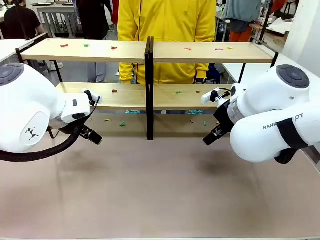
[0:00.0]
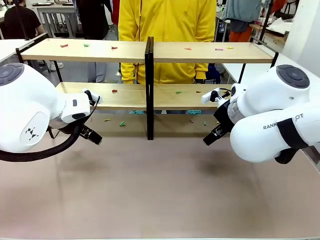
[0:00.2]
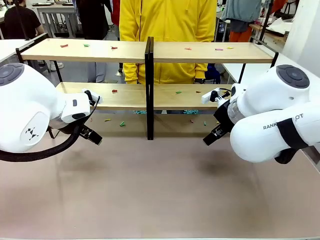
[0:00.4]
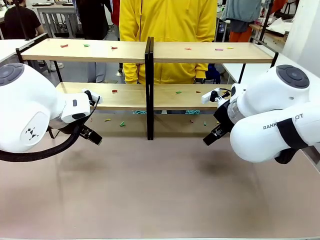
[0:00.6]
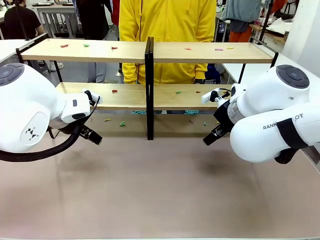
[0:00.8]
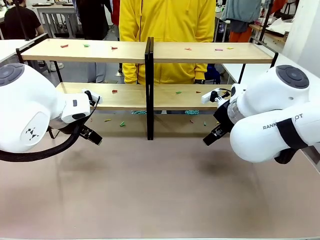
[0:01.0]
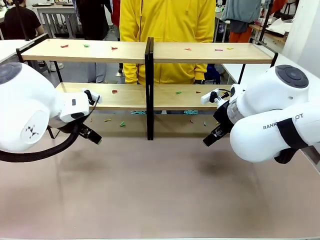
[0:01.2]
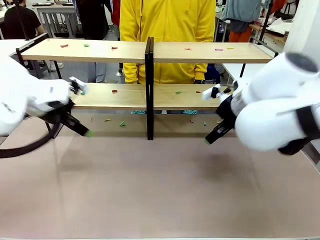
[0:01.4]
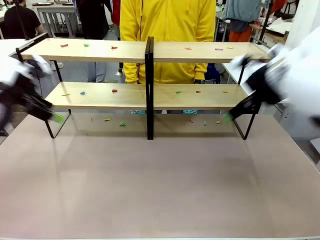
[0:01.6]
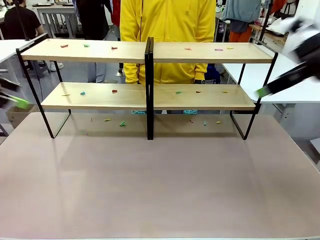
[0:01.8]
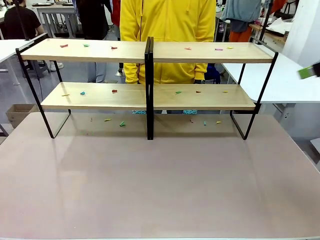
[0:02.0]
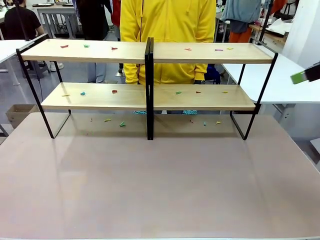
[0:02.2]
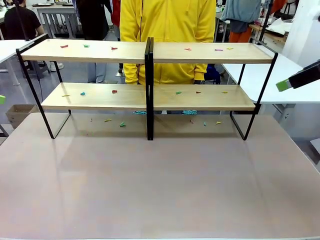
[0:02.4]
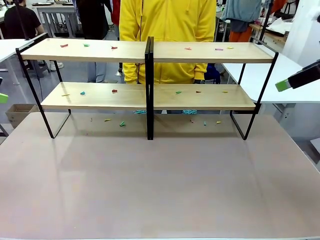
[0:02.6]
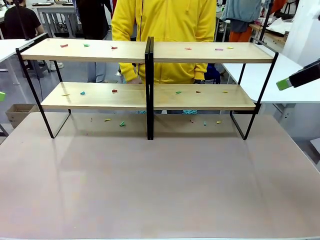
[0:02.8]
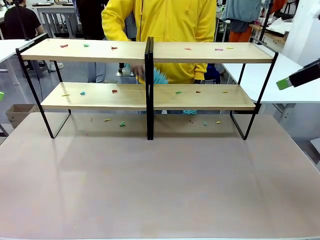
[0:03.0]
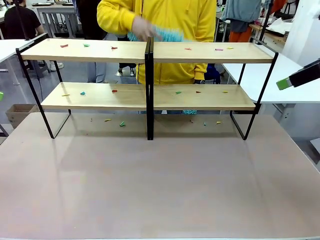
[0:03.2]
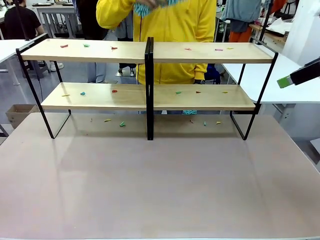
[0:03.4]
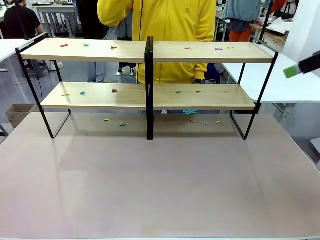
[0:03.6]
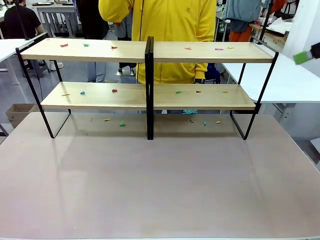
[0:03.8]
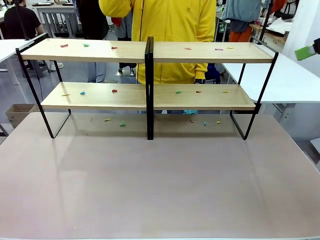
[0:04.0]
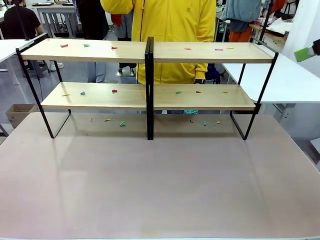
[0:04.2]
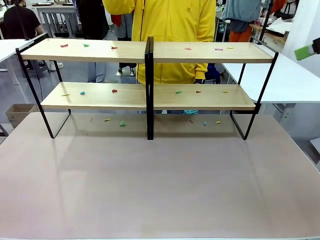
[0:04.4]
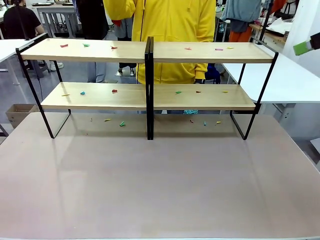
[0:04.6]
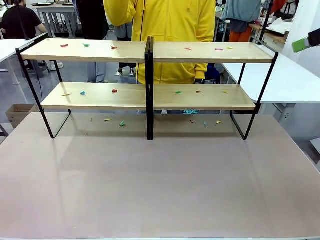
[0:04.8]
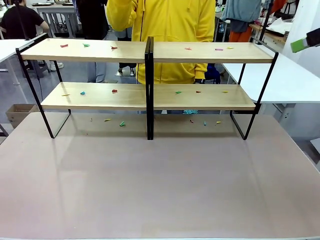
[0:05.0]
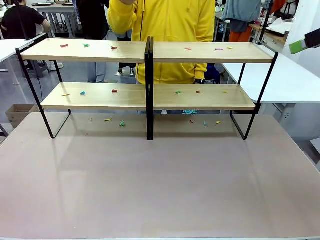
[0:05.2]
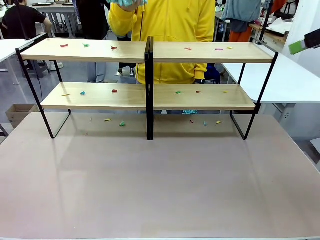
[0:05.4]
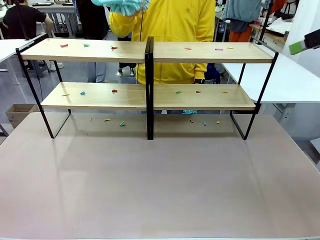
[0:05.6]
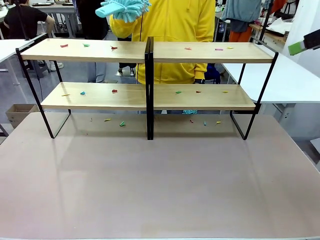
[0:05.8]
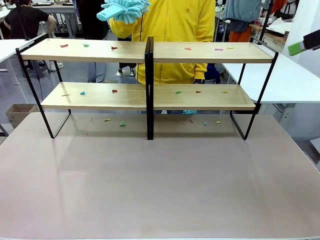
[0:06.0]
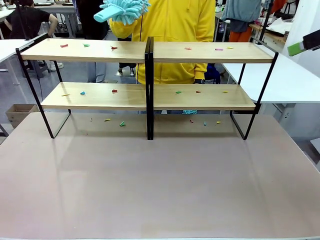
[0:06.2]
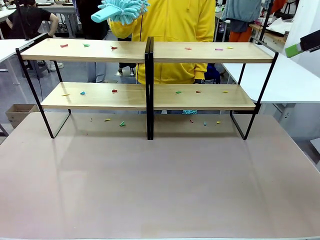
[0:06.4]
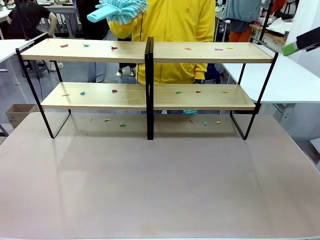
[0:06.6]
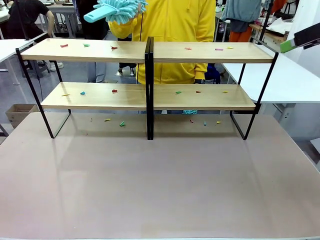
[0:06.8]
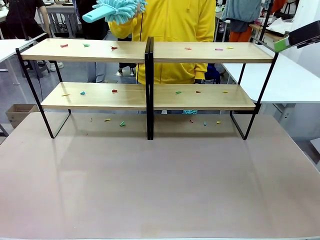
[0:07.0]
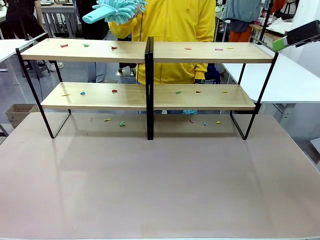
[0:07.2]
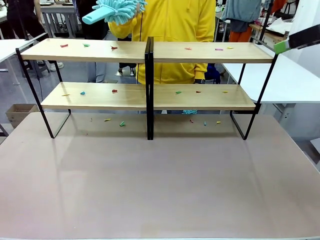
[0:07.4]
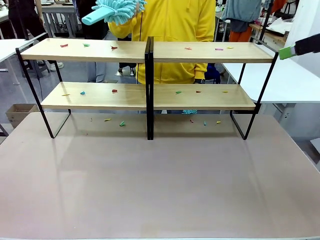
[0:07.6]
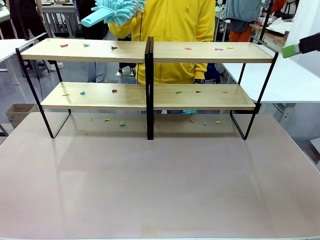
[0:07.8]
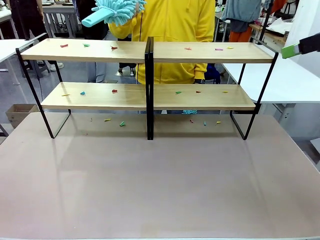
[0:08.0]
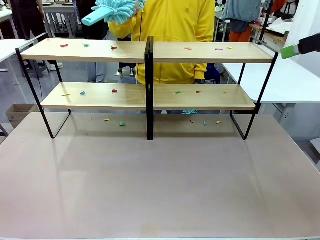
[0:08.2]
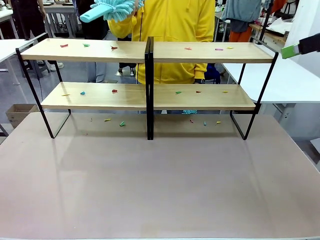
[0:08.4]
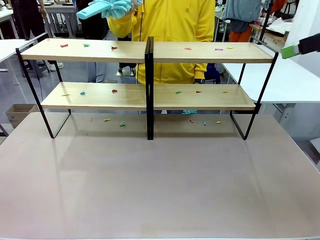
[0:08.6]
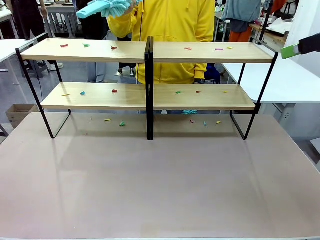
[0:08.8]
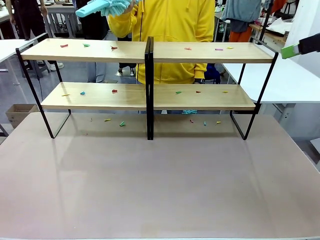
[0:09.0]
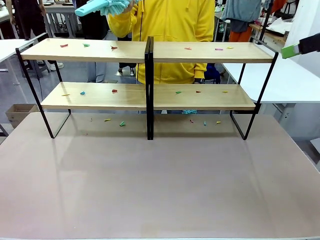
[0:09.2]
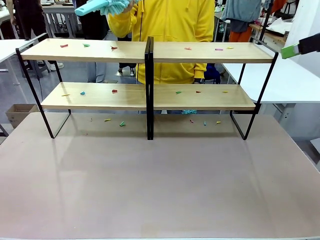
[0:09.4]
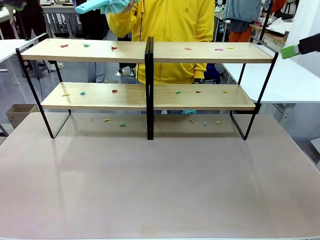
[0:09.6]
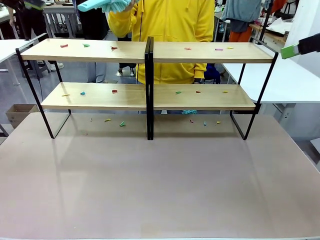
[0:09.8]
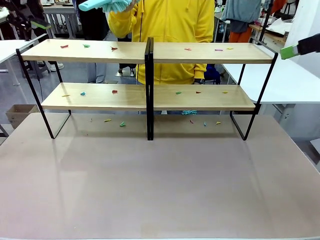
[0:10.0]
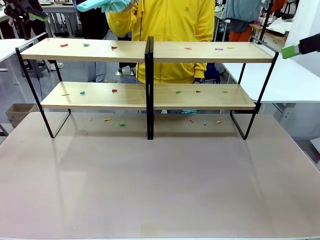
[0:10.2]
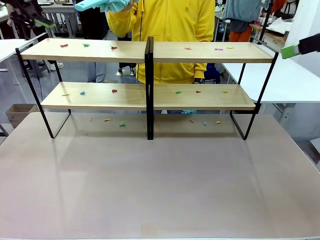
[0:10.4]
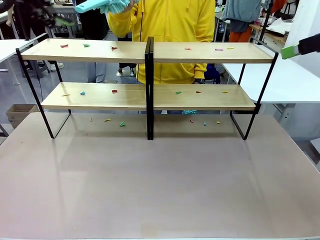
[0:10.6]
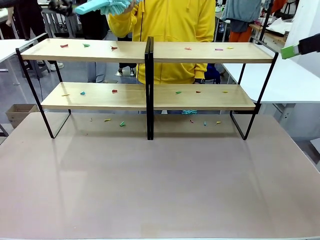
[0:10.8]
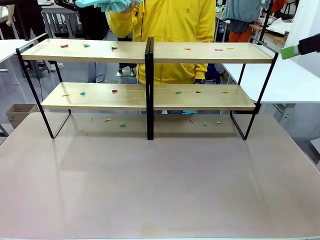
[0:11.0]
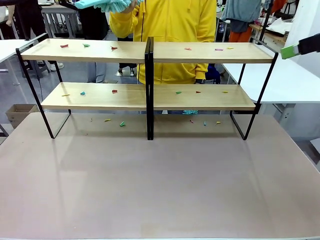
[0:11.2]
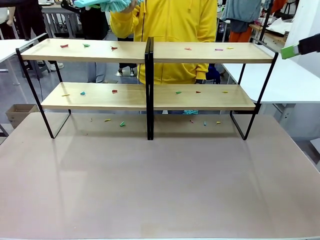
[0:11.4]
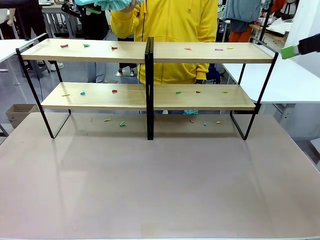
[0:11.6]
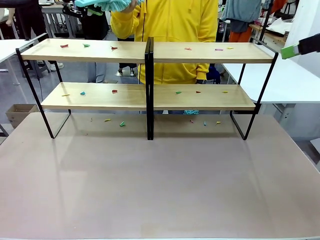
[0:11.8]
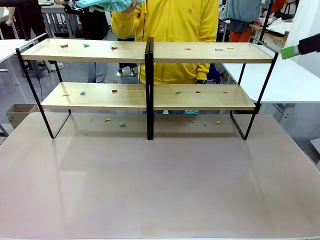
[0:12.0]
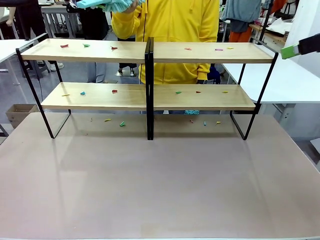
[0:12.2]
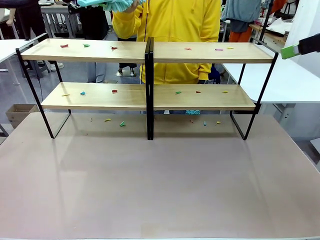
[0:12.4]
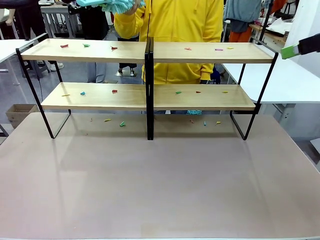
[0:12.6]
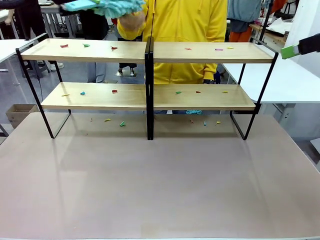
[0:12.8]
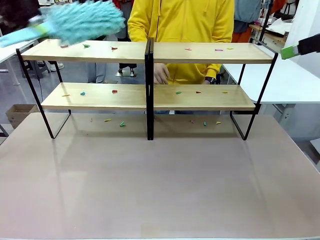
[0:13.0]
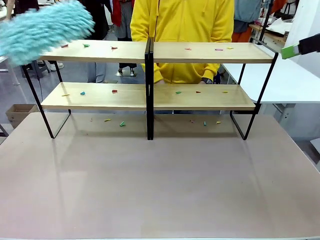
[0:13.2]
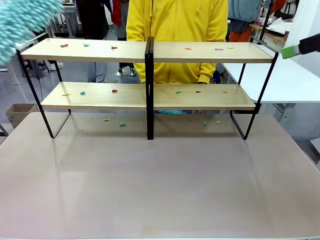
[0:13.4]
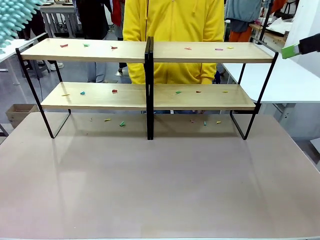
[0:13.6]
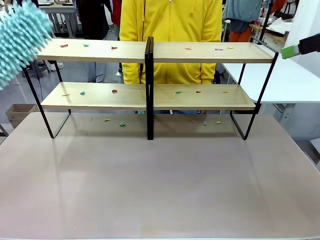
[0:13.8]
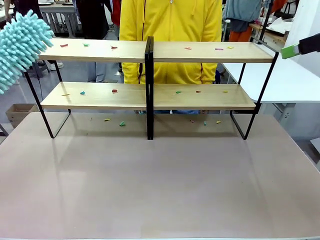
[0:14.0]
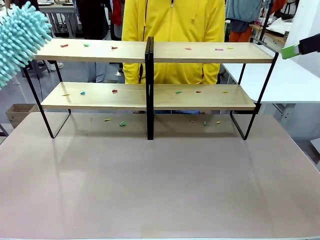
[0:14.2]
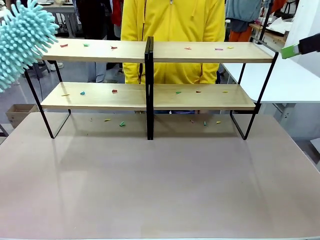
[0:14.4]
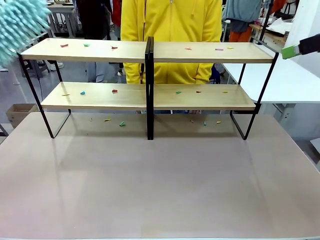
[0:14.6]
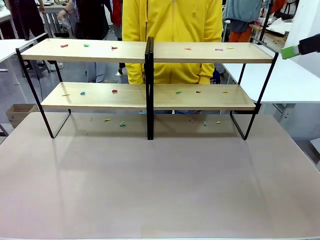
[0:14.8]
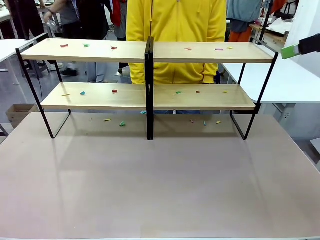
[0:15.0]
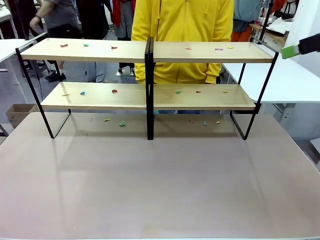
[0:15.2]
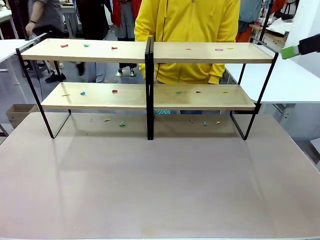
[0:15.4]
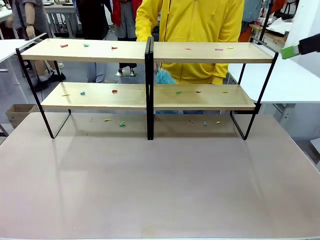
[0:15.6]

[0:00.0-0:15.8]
Task: Clean the shelves.
Robot: Pick up the Duster when the human hands it over.
Person: Hand the Duster to the robot with your right (or left) hand.
